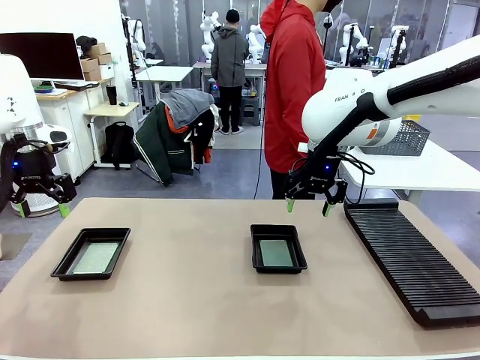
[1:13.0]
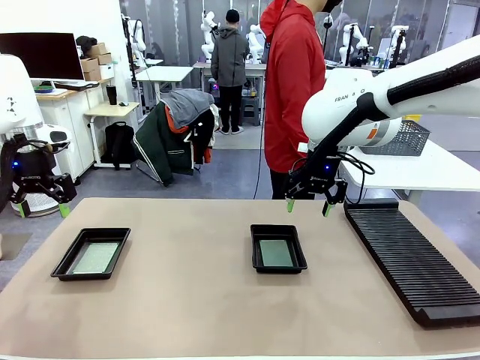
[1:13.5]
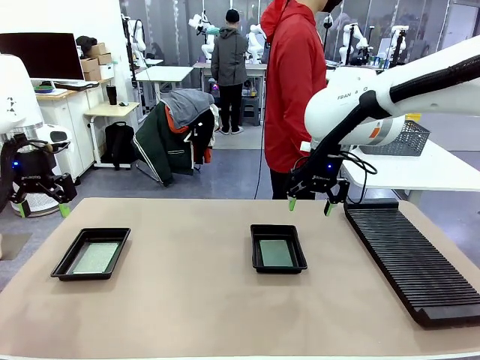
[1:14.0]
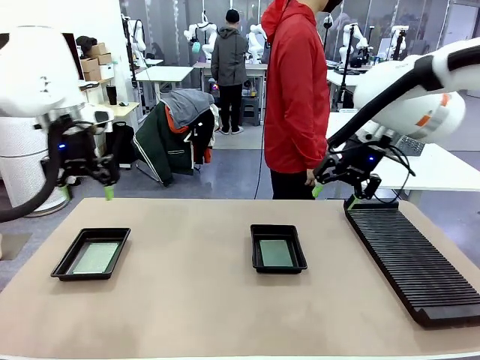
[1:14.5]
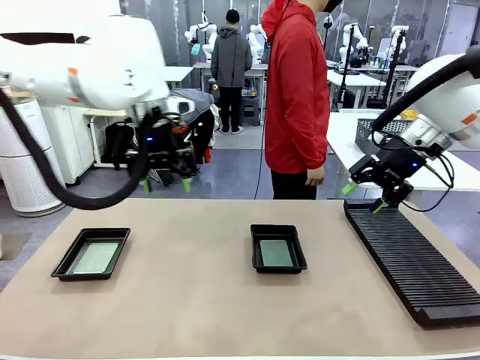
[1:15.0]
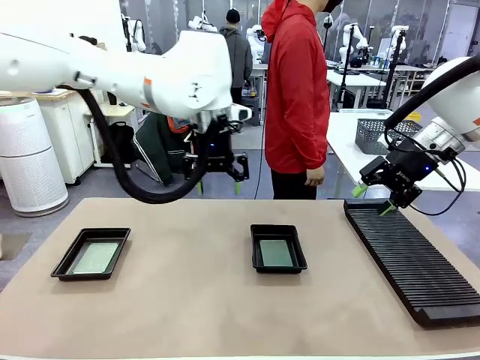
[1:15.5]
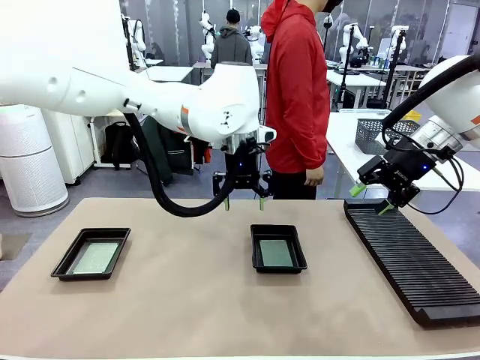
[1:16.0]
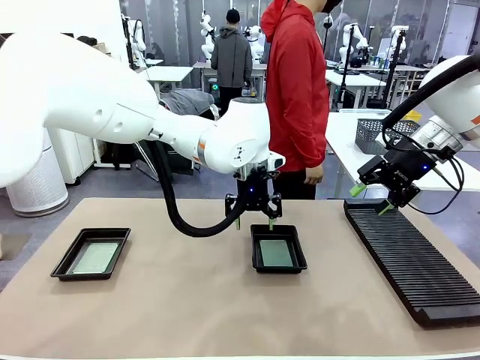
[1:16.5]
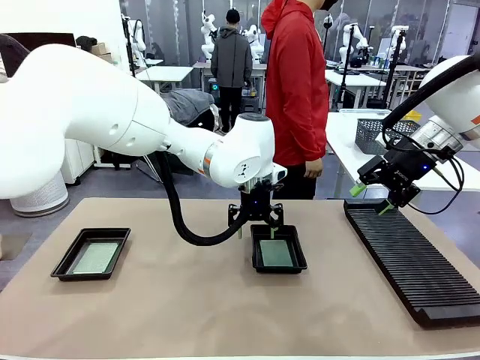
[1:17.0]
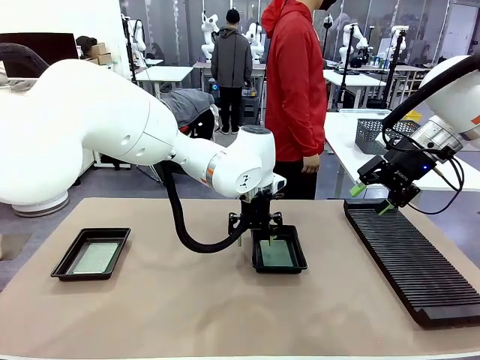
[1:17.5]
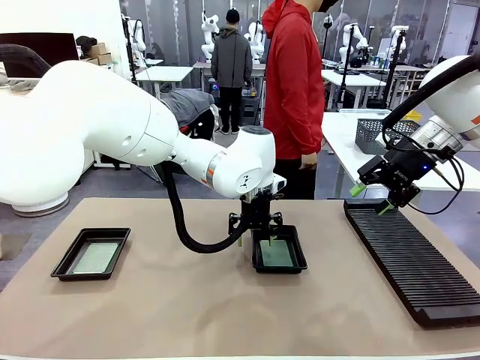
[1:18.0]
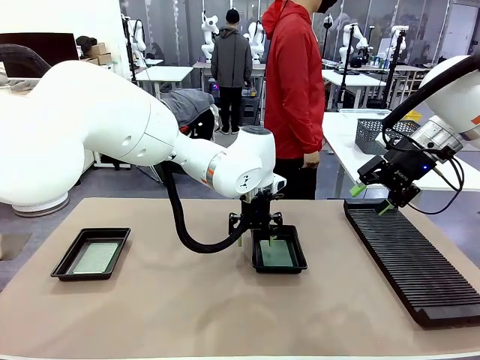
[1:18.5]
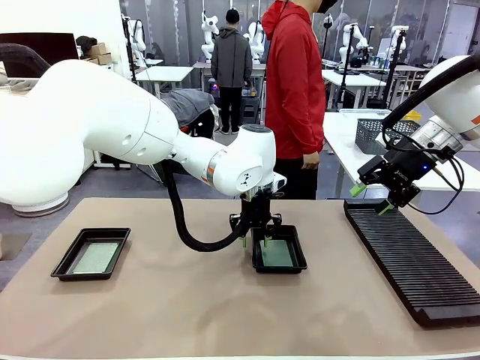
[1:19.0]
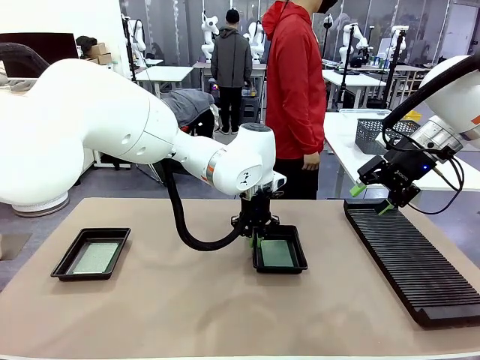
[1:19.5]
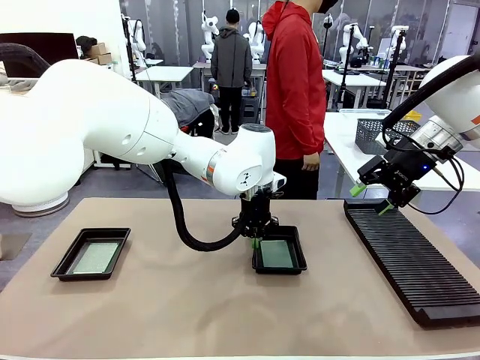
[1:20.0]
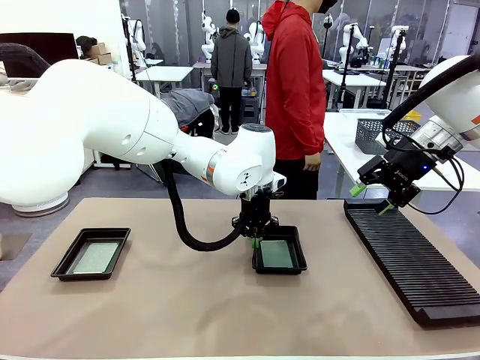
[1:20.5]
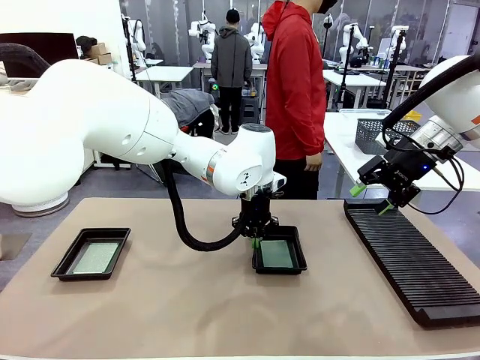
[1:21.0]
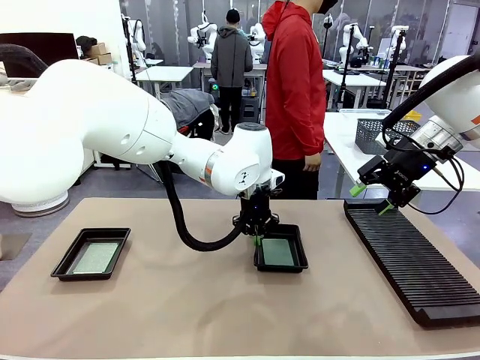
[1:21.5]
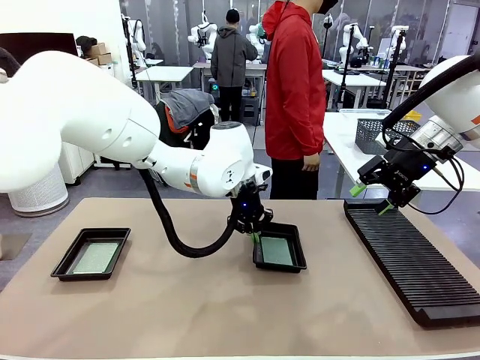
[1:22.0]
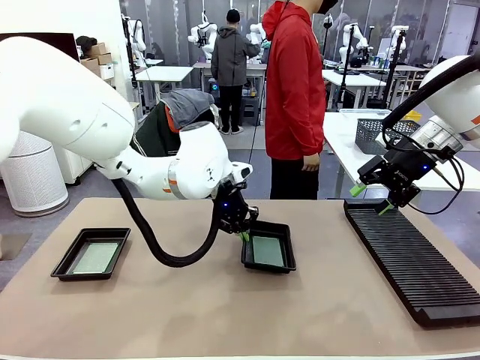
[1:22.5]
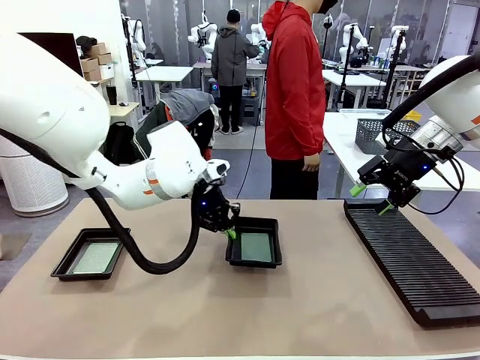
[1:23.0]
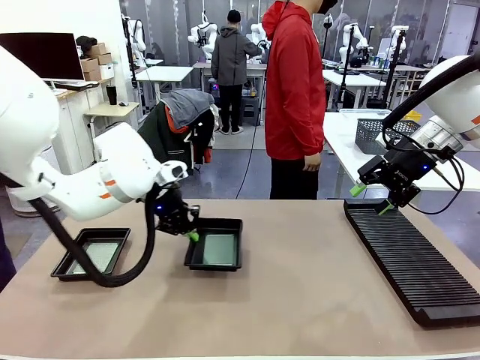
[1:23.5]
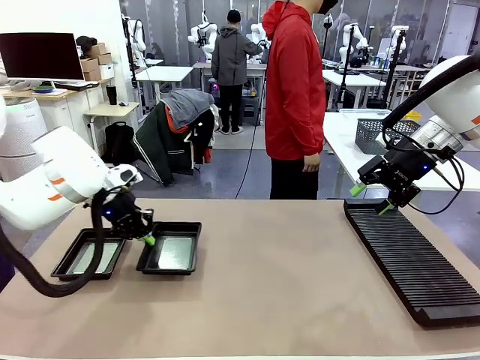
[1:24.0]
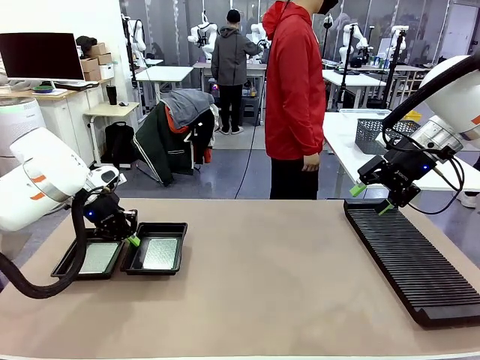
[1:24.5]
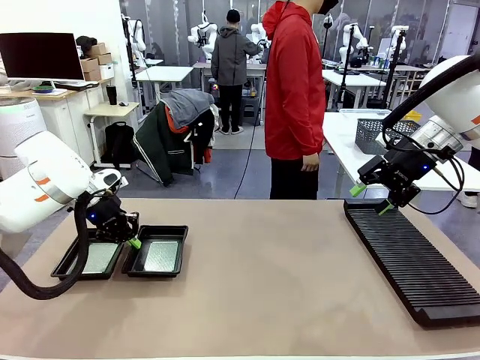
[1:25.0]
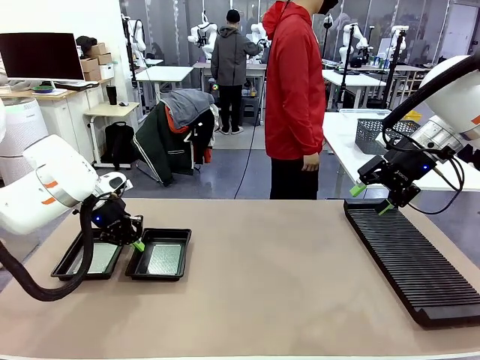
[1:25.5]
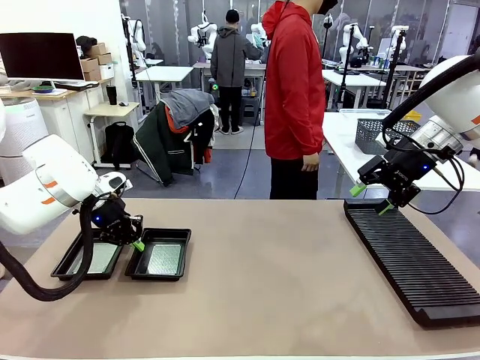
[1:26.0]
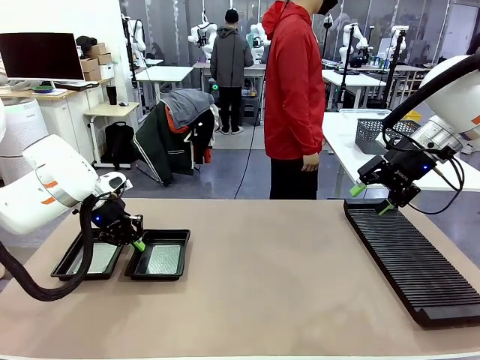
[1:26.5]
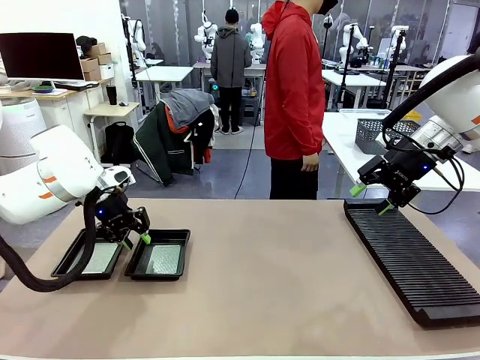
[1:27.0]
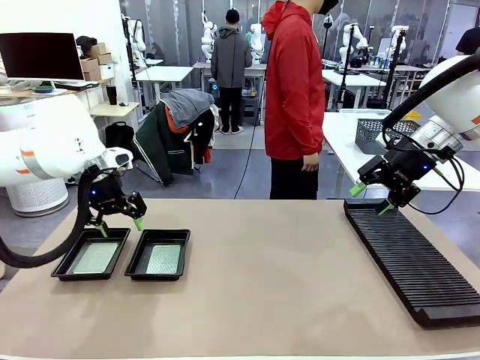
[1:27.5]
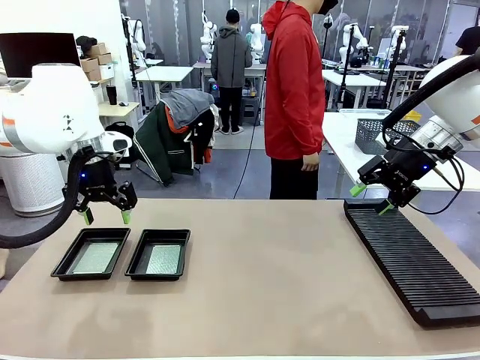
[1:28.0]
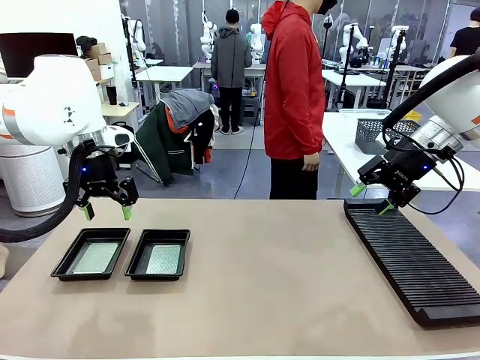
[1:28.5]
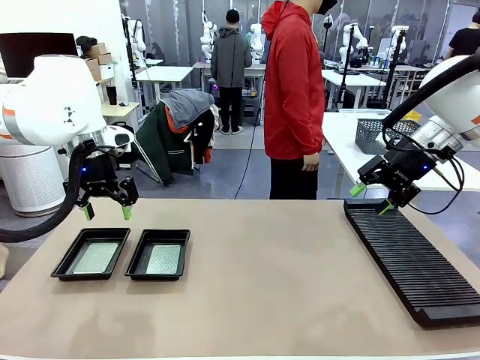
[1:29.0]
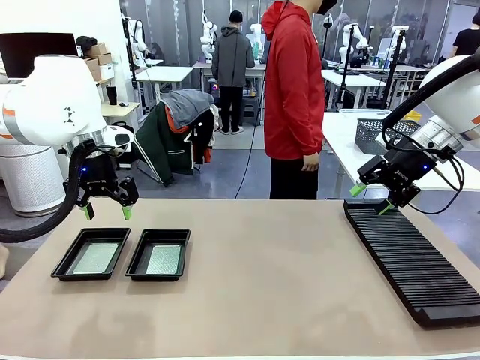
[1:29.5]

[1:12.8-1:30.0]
Task: Inspect and transfer BCBs to ESD trays.
Robot: Pick up the ESD tray and place it on the left side of the table.
